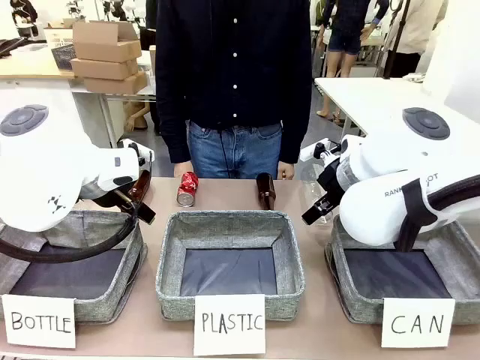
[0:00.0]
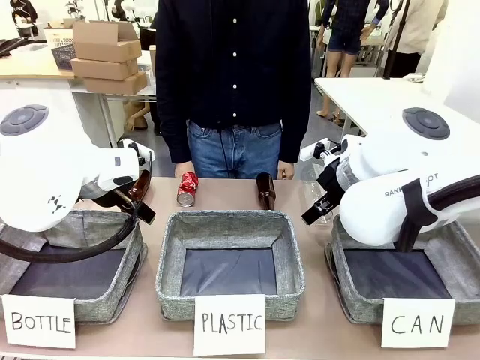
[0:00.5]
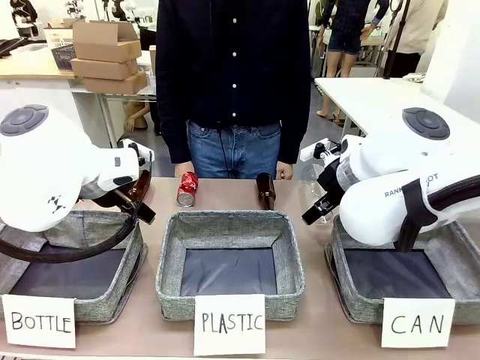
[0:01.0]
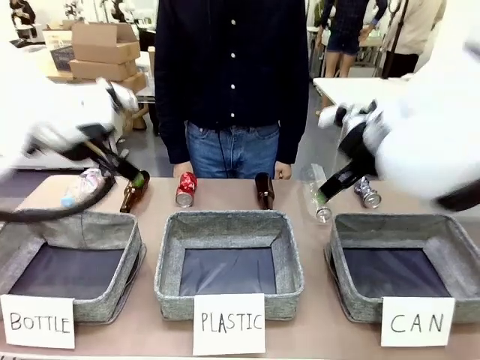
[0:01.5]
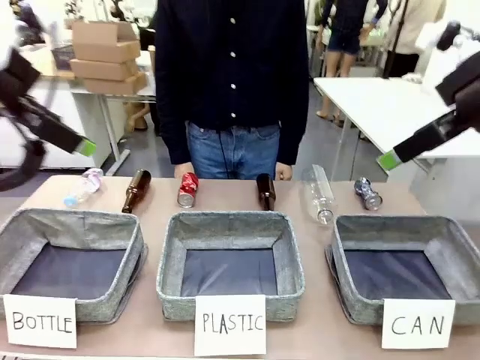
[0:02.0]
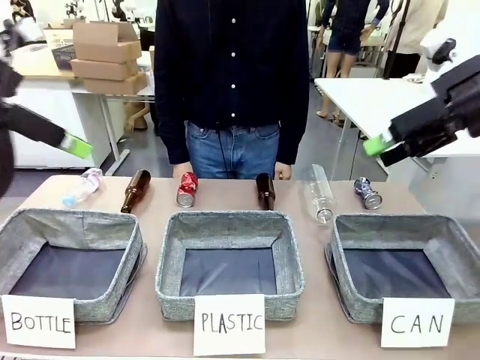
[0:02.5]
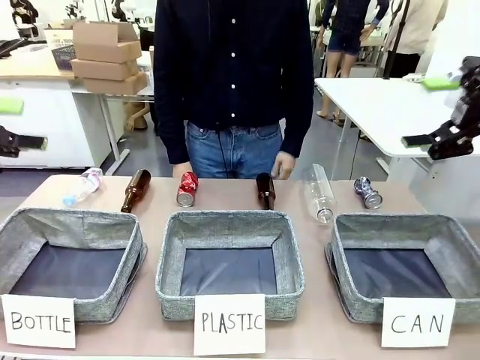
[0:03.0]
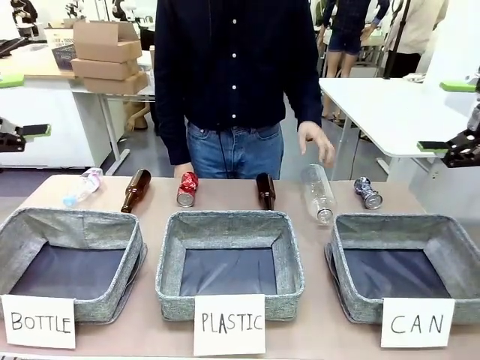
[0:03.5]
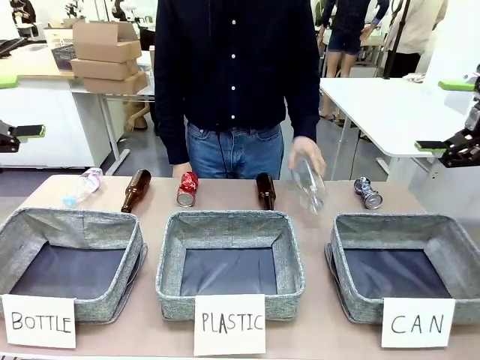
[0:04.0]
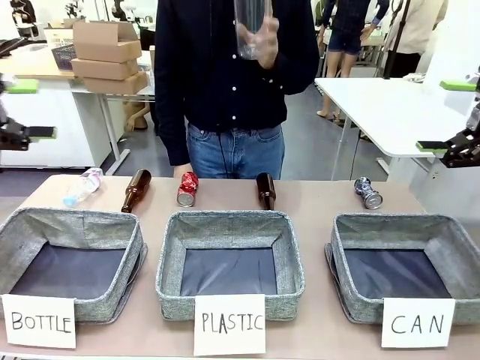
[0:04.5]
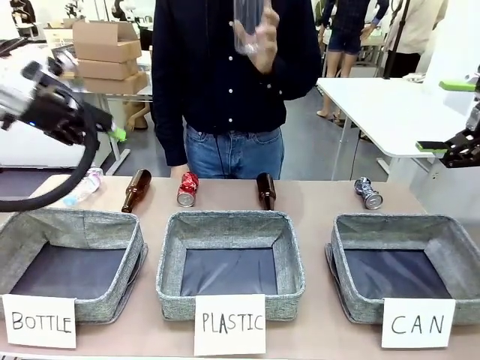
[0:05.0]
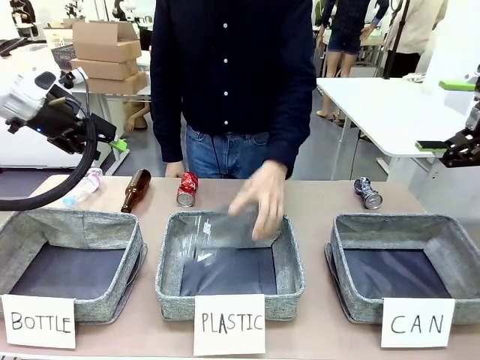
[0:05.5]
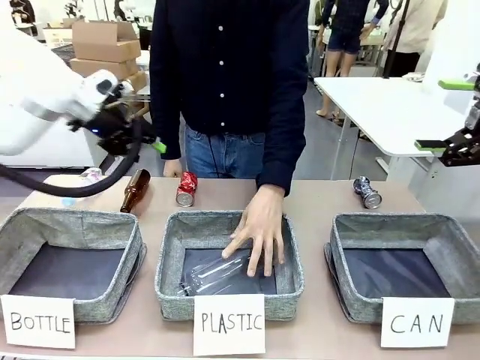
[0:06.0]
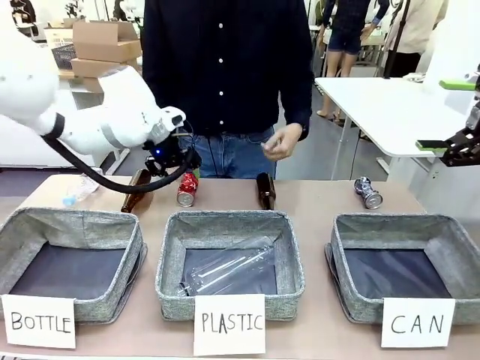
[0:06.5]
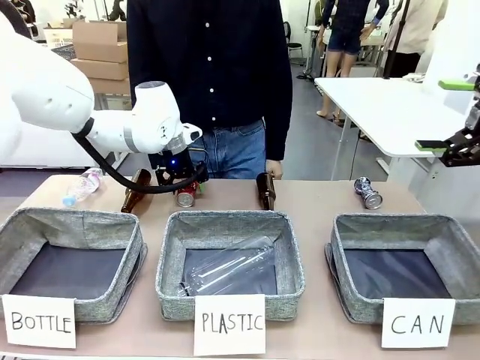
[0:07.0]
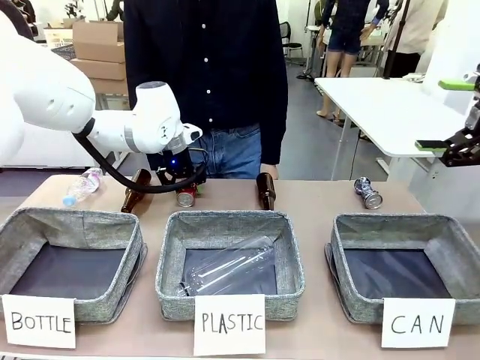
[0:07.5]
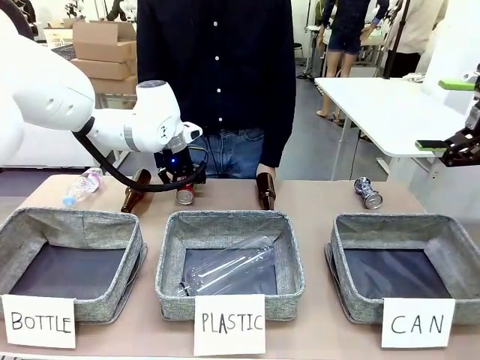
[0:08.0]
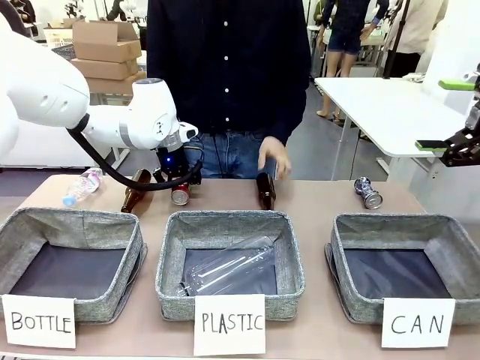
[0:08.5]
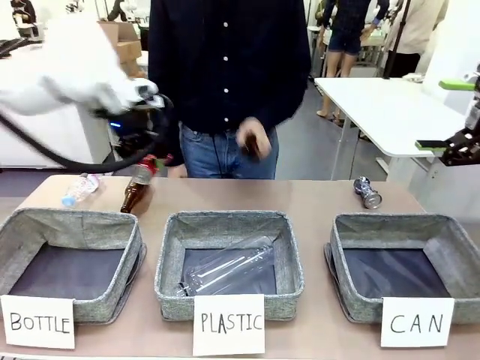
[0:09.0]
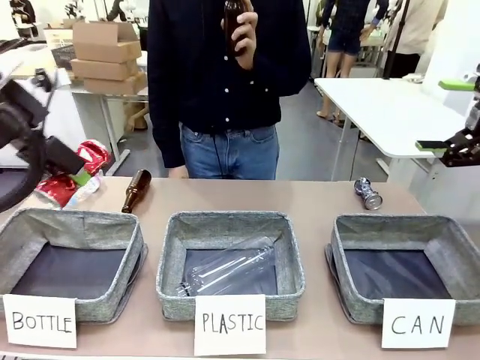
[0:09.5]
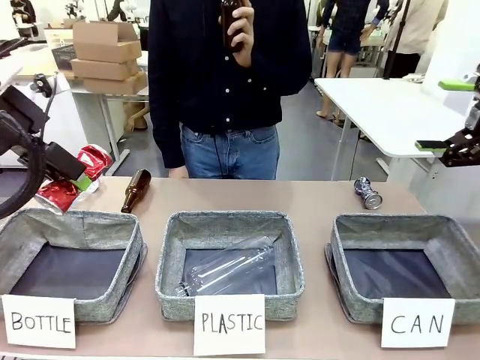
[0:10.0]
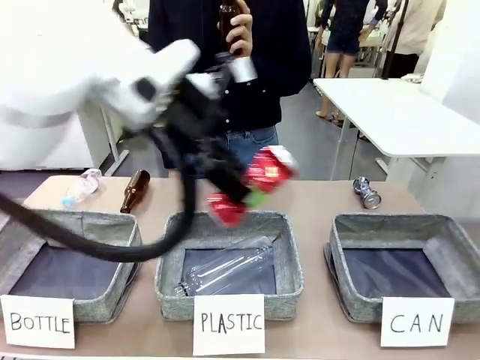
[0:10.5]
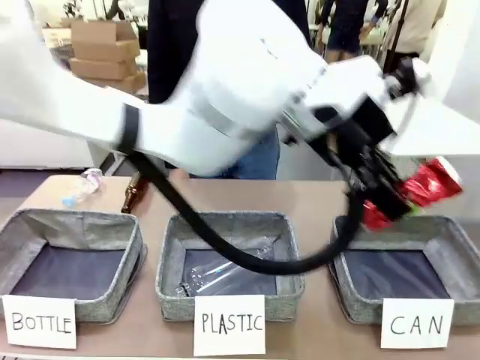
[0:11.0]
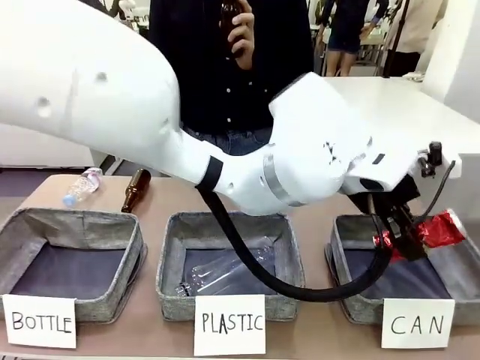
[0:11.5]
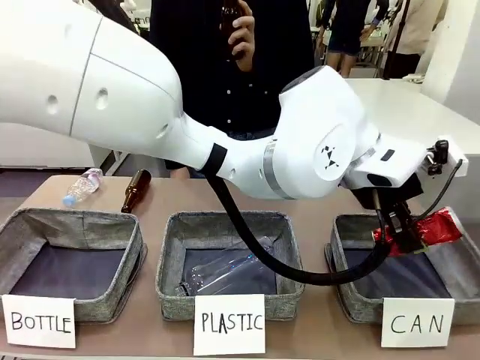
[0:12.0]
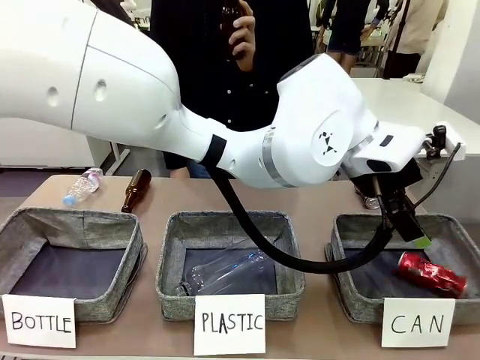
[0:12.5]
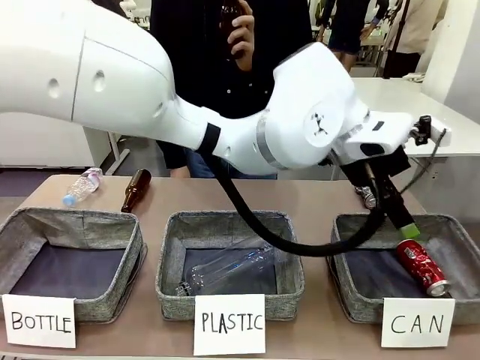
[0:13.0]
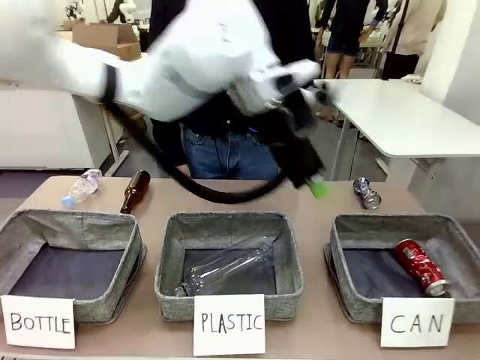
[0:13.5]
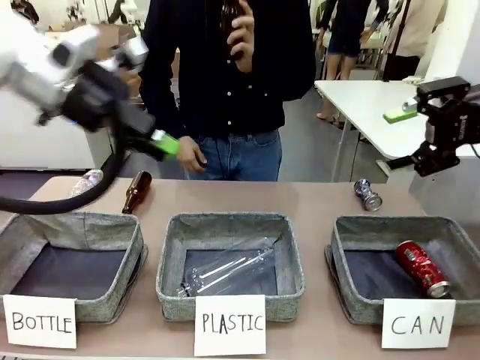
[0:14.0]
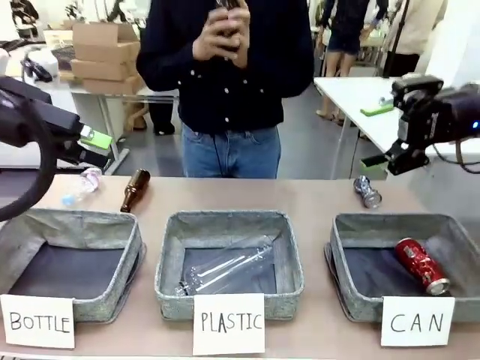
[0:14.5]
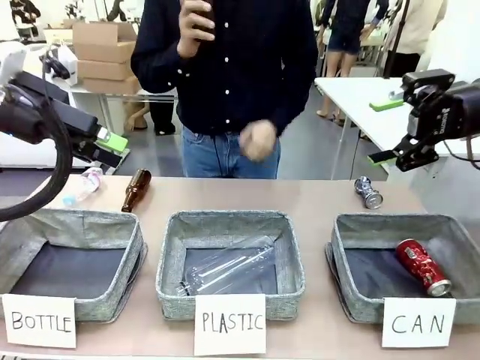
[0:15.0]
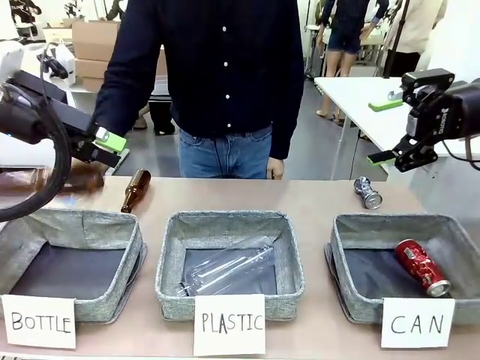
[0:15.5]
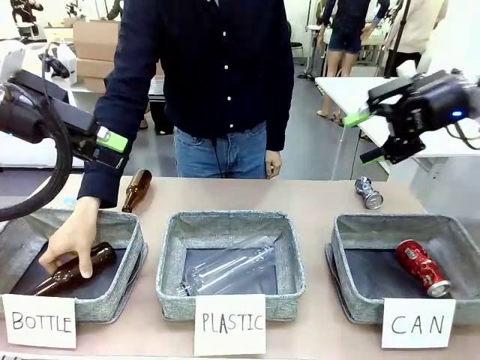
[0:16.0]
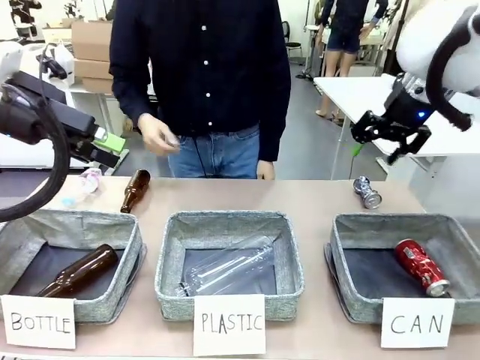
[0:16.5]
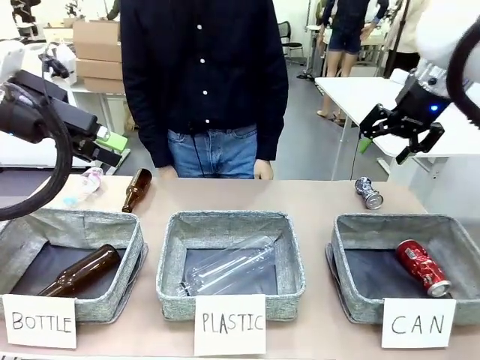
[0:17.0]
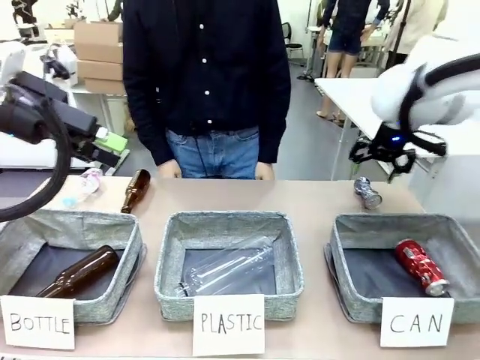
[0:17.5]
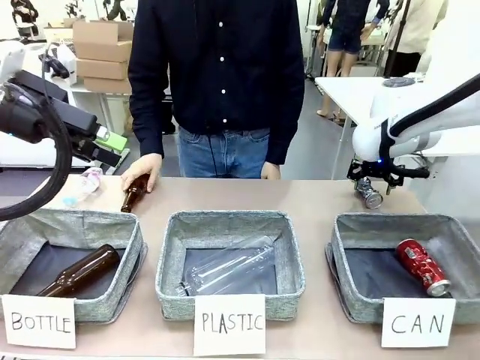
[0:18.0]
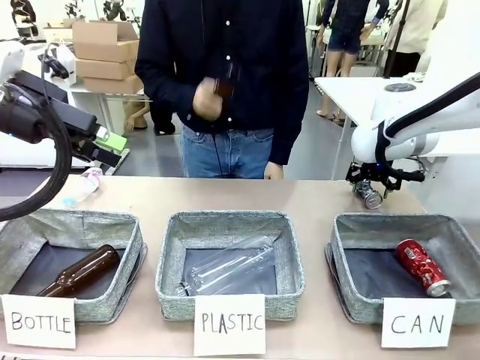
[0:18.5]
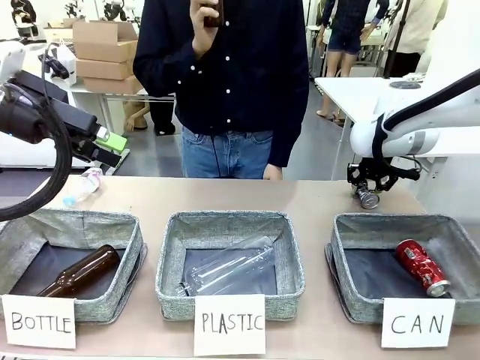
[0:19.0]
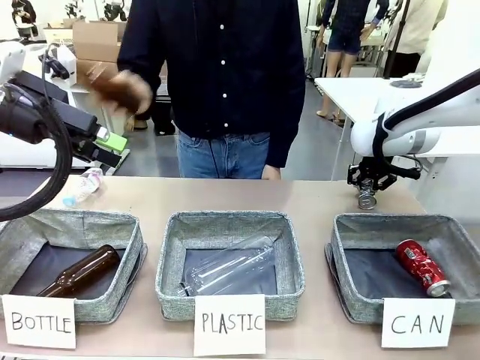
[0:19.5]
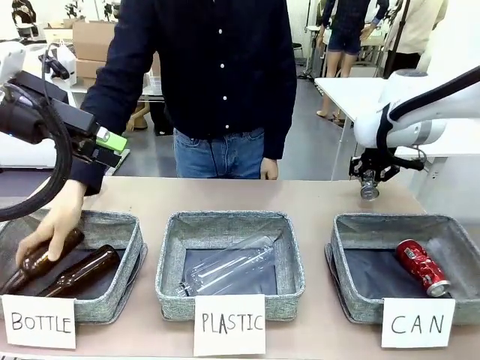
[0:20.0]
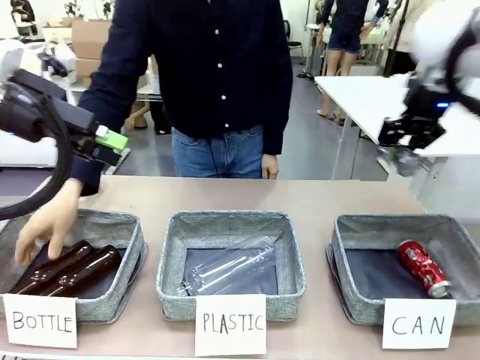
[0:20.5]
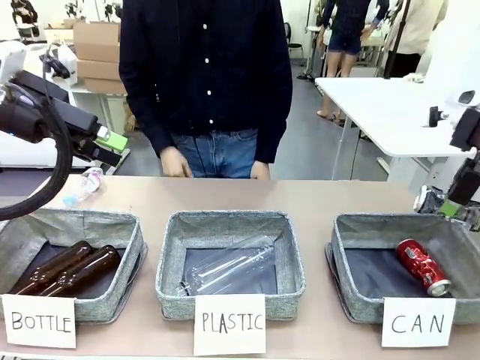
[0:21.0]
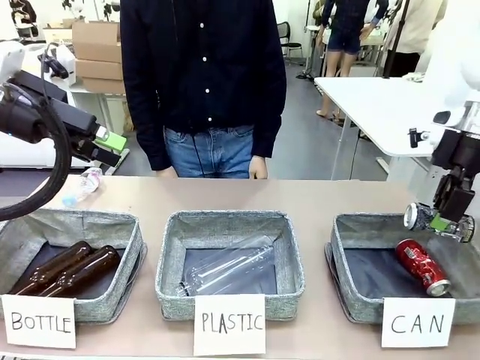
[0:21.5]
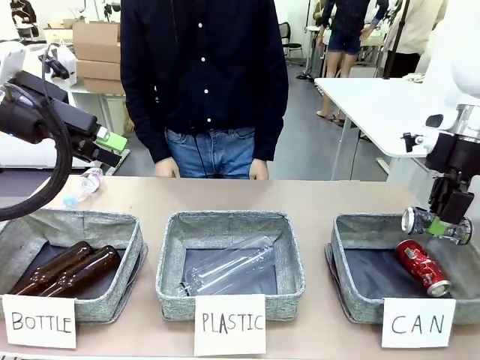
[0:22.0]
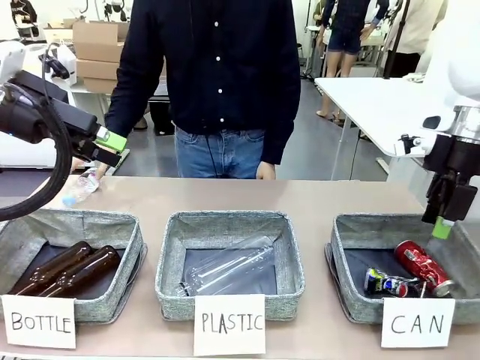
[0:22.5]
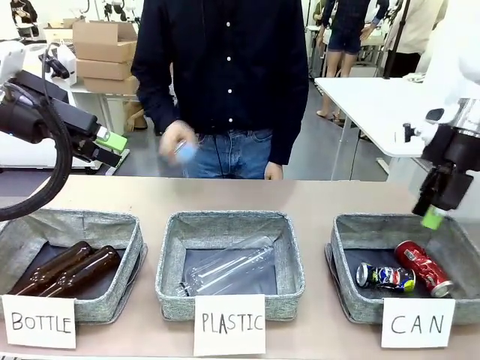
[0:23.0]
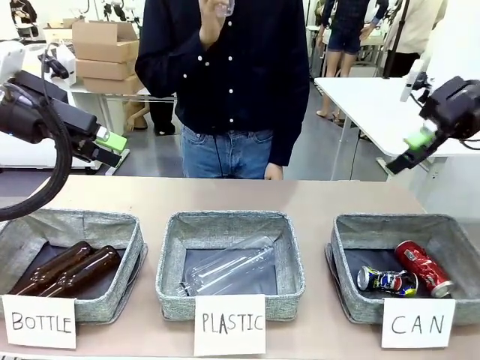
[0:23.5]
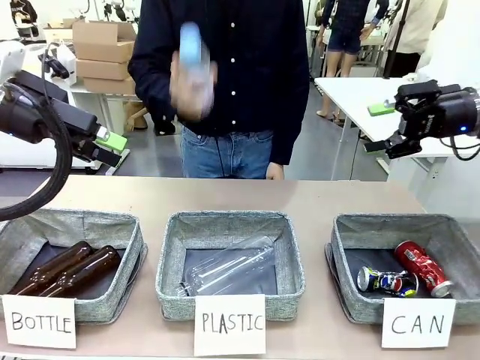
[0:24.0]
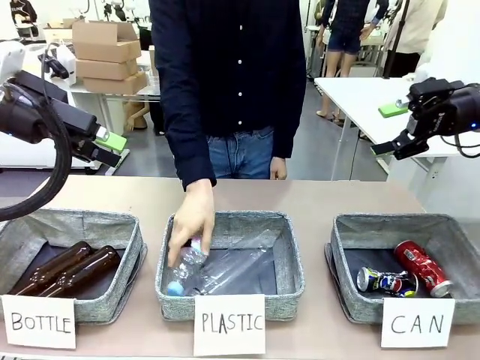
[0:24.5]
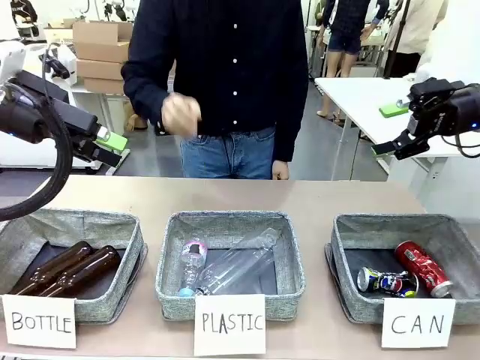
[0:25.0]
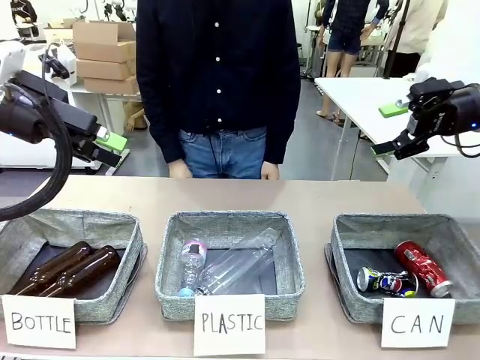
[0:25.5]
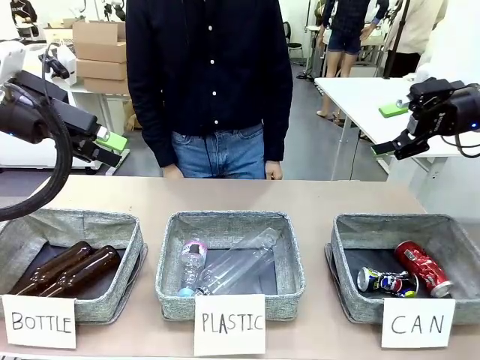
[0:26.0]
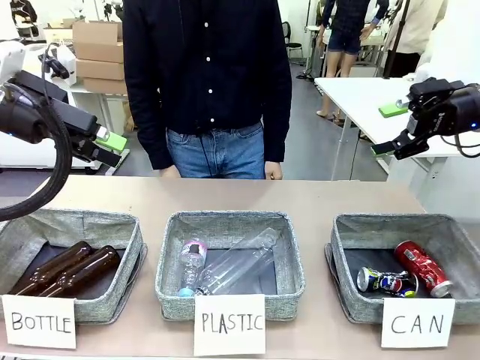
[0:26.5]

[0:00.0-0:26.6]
Task: Sort the can waste into the basket.
Robot: Pick up the can waste from the table and place it in the right Fabric basket.
Person: The human picks up one piece of trash that is not a can and places the trash into the appropriate organizing basket.
